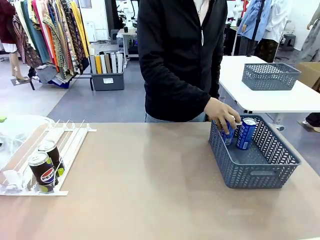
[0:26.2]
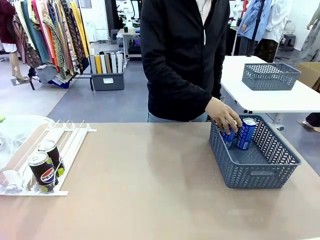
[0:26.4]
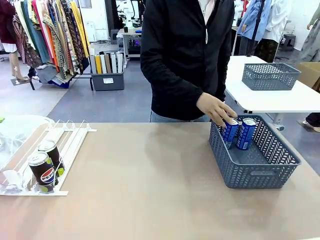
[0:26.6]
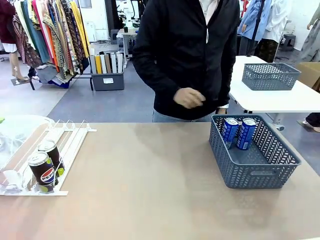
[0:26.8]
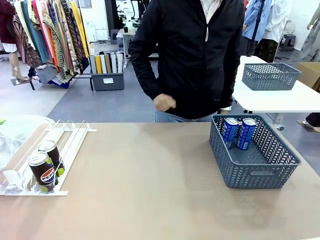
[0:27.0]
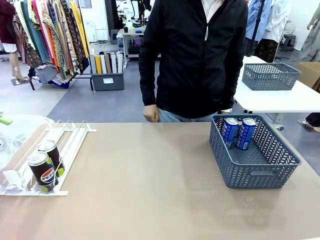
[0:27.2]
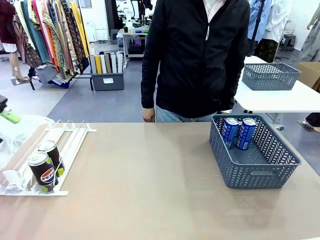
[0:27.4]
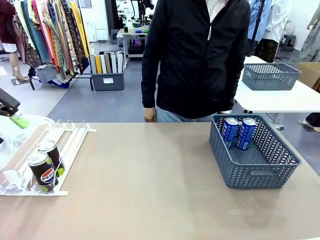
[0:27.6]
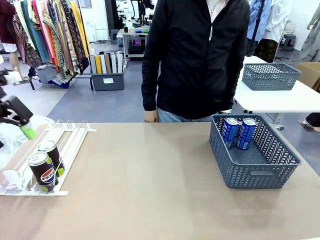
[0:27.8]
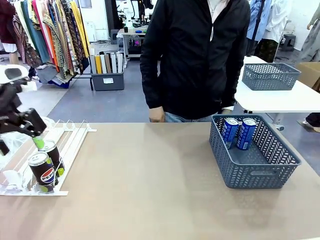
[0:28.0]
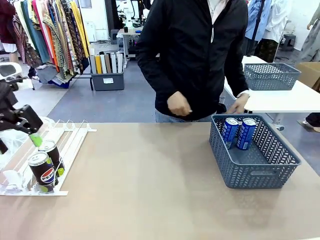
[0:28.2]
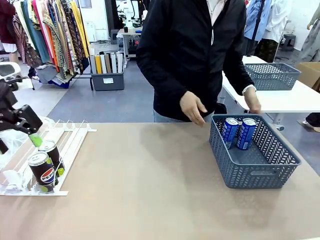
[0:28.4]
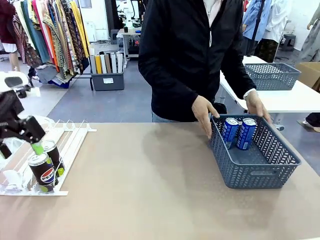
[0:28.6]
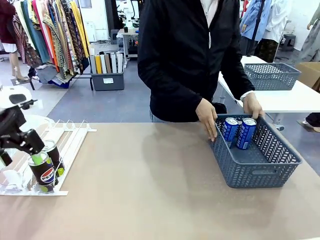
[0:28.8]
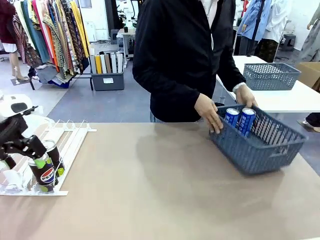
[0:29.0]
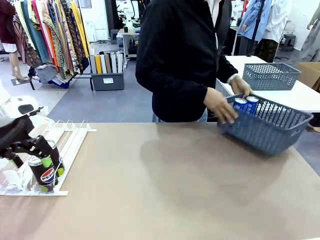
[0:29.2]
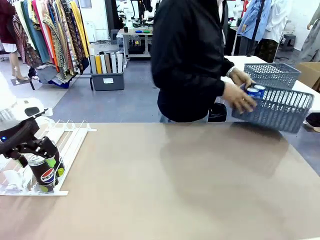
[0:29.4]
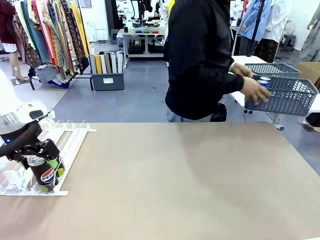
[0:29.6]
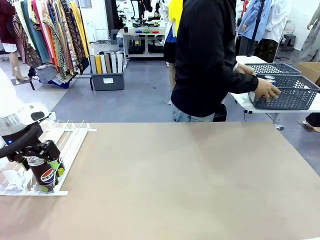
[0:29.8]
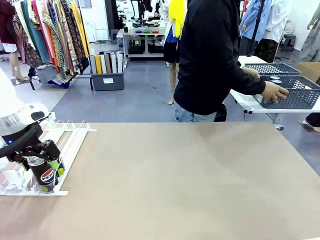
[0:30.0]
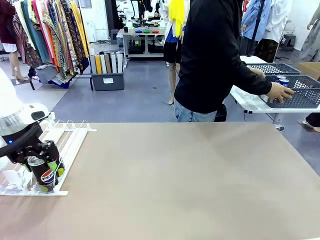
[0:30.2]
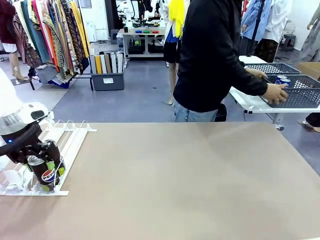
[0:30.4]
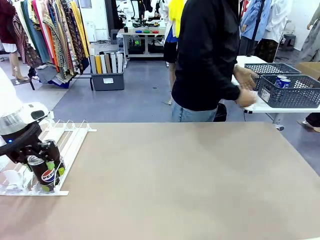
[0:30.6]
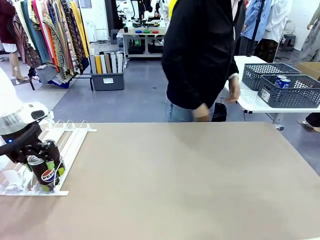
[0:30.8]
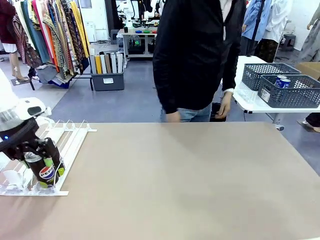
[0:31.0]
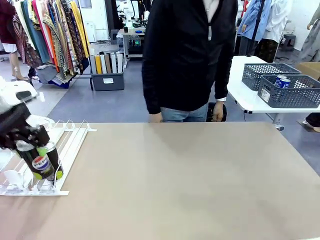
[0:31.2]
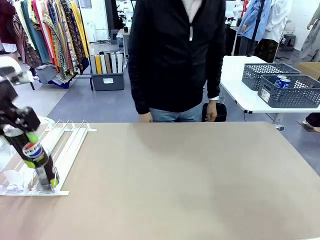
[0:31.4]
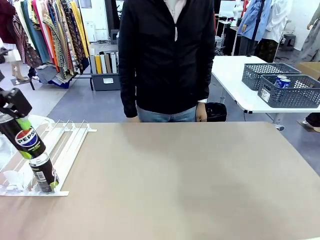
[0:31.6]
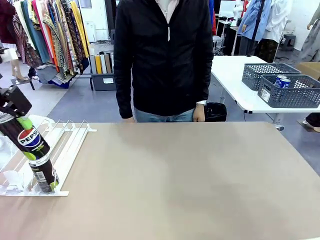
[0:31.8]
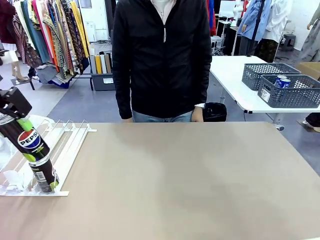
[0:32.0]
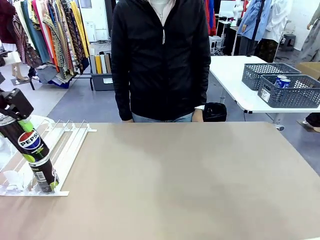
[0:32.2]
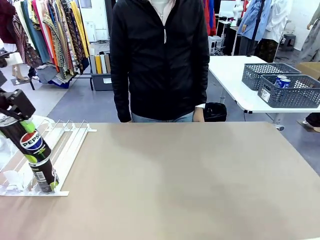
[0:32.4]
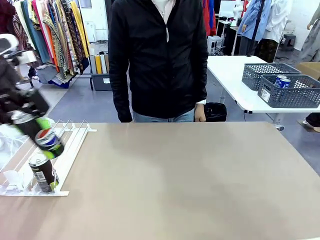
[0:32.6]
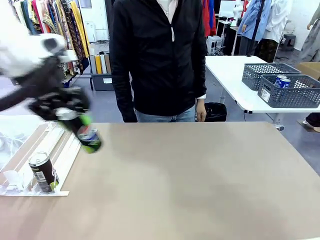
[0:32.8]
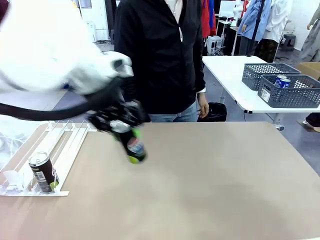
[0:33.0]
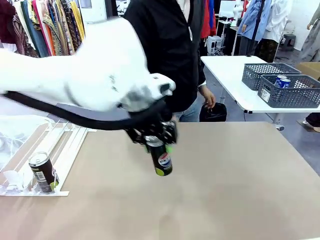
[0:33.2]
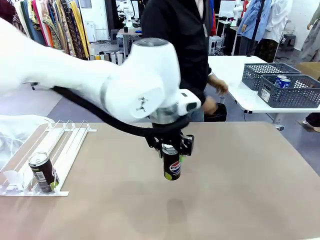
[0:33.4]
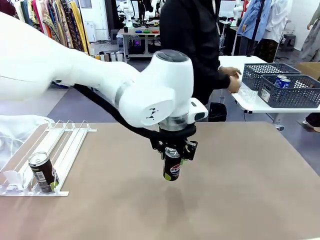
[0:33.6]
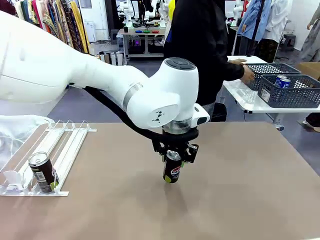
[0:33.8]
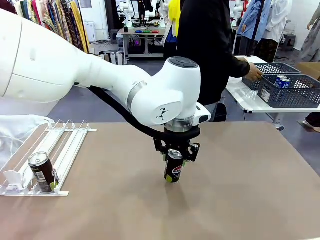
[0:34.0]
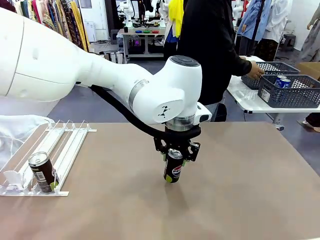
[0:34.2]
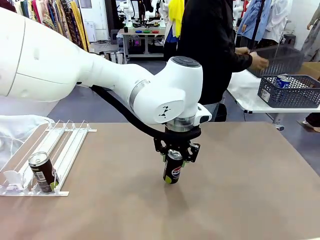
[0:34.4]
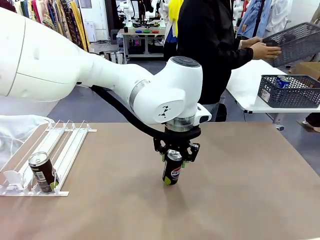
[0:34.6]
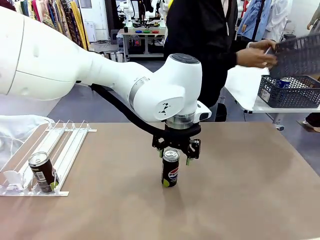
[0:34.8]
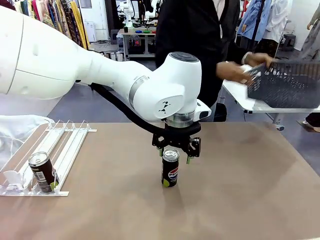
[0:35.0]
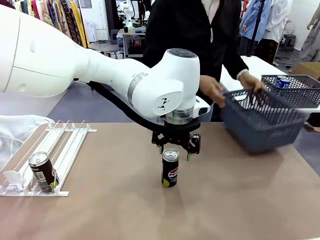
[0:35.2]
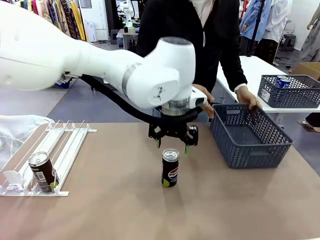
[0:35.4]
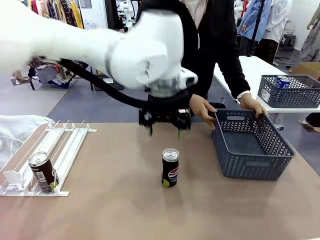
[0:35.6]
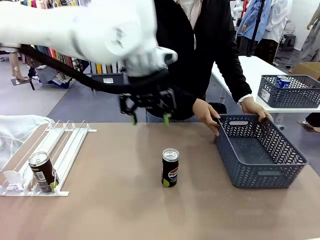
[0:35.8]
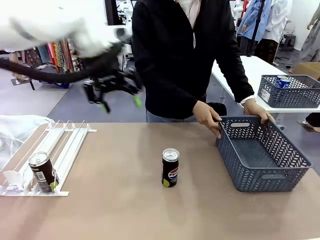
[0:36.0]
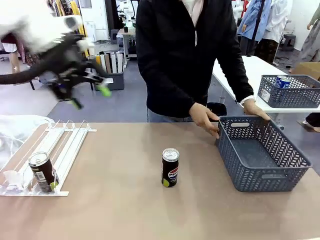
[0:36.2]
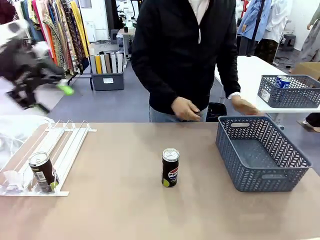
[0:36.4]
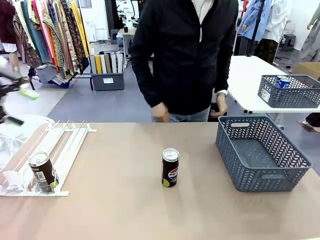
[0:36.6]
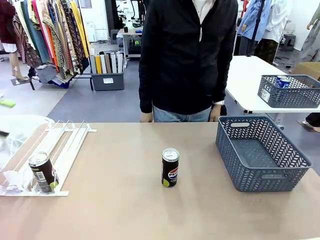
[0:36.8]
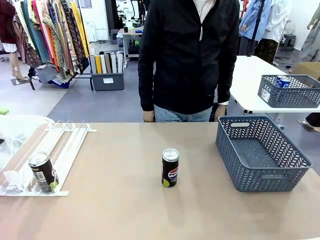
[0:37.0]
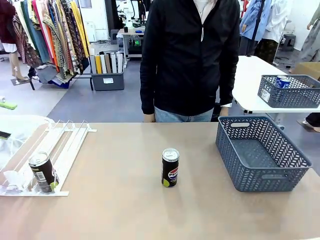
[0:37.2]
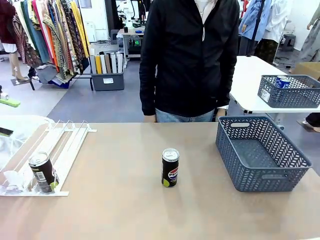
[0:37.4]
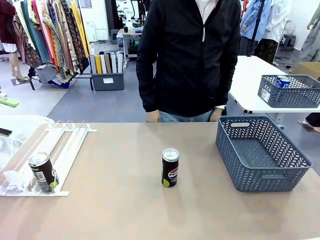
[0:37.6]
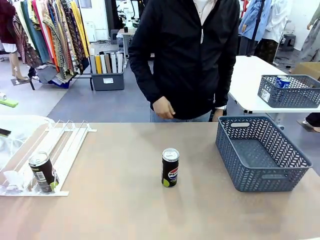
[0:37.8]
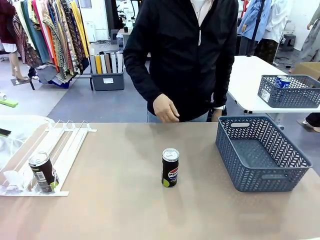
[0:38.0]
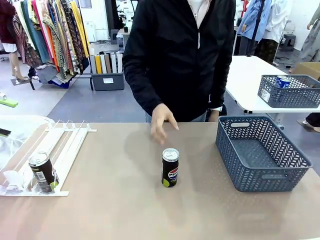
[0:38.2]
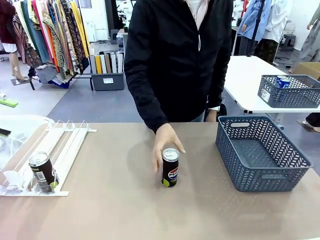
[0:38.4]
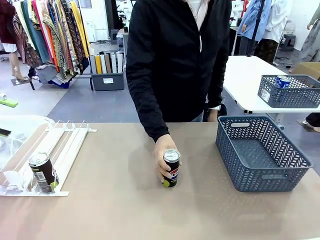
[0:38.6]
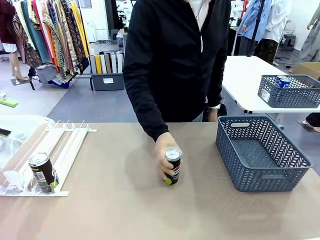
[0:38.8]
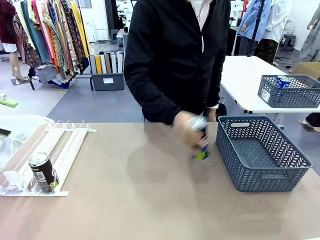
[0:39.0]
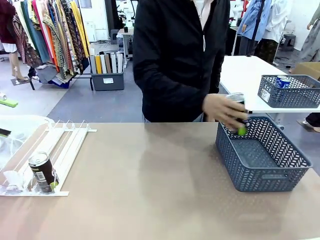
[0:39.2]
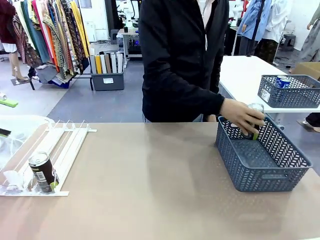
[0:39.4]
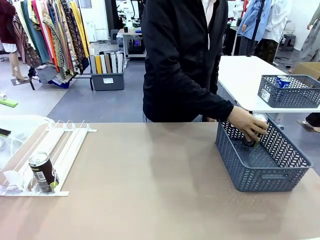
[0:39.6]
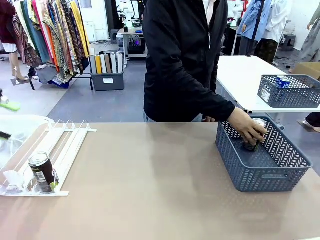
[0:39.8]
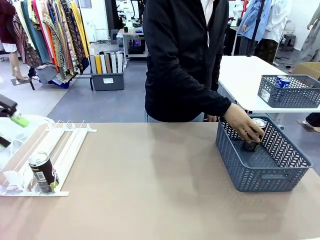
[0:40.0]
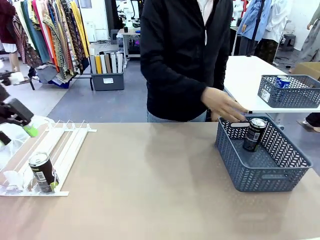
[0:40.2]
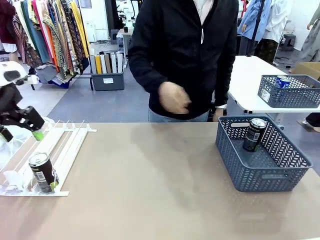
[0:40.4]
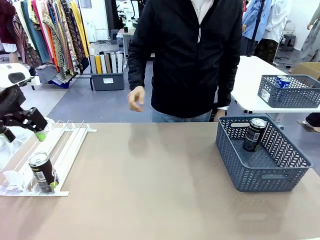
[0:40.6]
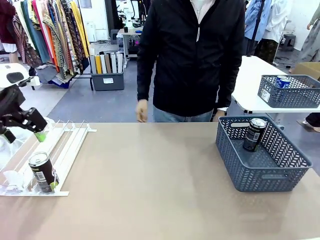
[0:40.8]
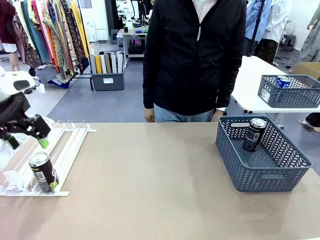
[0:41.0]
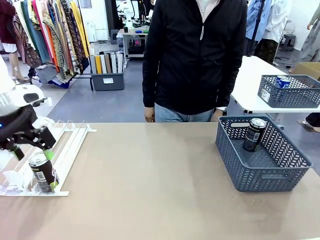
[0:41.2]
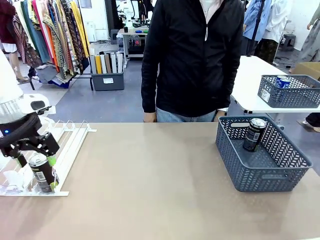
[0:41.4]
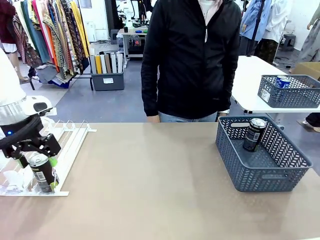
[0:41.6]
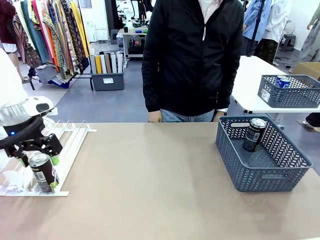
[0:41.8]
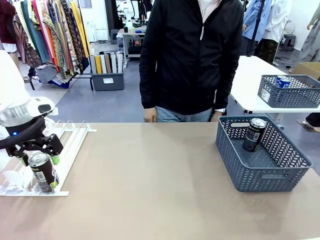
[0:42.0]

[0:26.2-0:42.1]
Task: Retrieve and store the cans from the dispenser.
Robot: Pick up one can from the Automatic Can Dispenser and place it in the middle of the table.
Person: Pick up the basket and place it in the middle of the human table. Pick up the empty basket and place it on the left side of the robot table.
